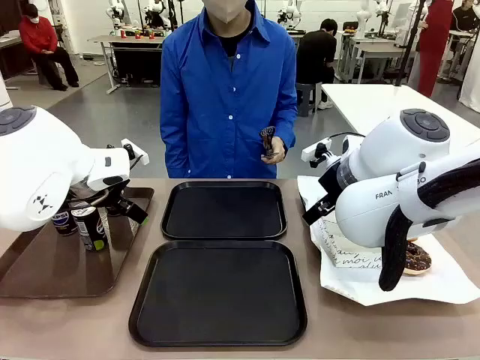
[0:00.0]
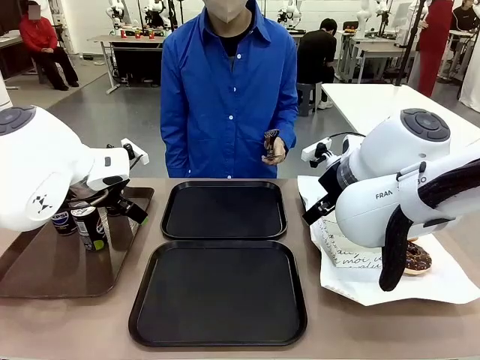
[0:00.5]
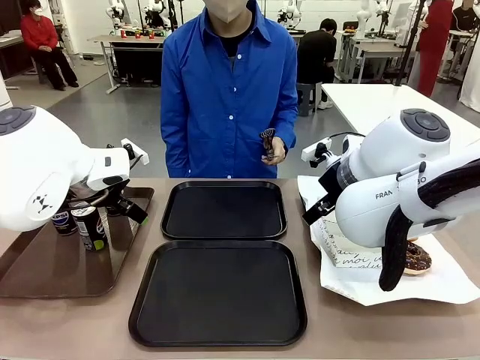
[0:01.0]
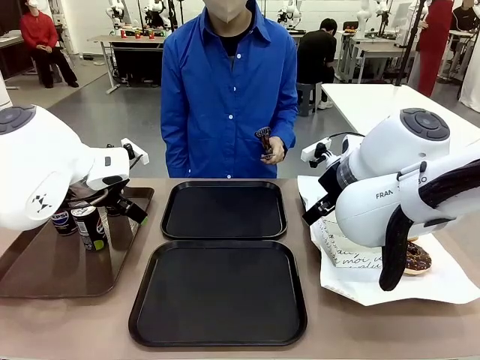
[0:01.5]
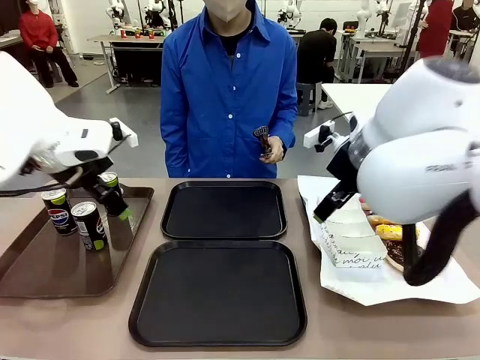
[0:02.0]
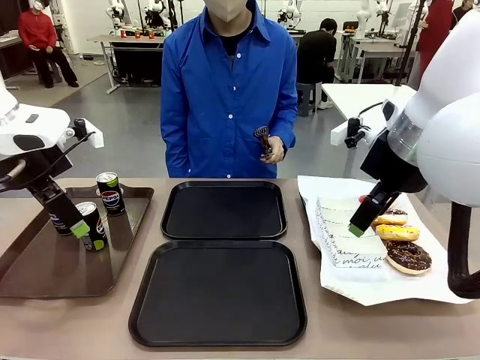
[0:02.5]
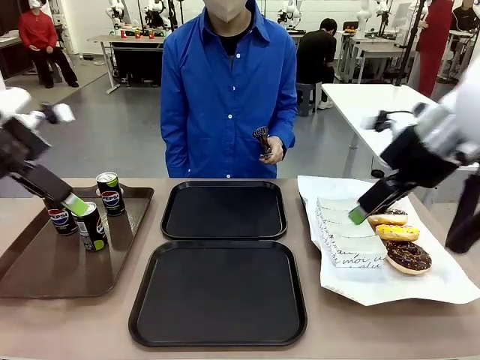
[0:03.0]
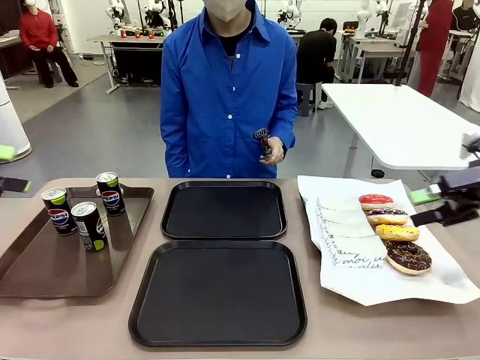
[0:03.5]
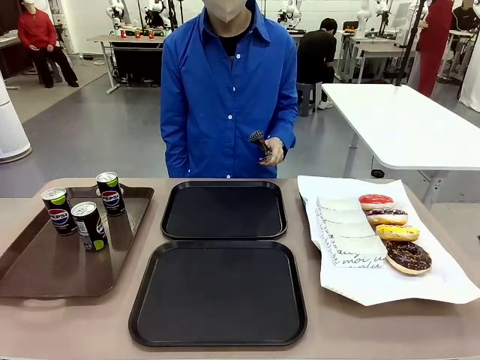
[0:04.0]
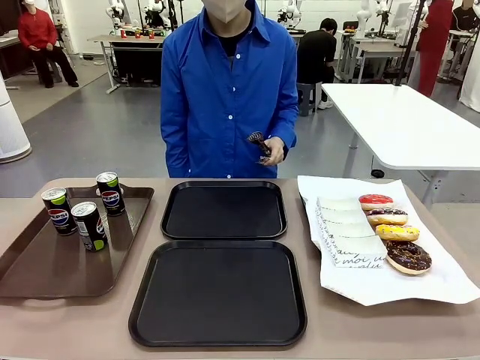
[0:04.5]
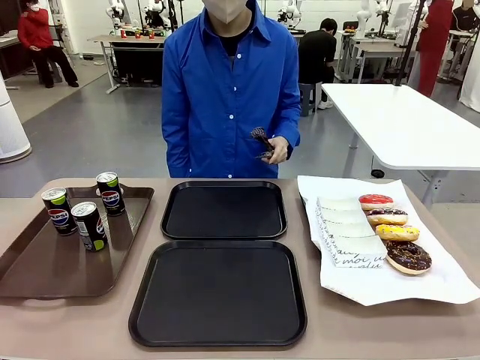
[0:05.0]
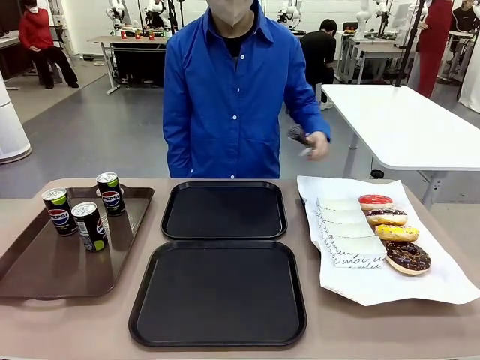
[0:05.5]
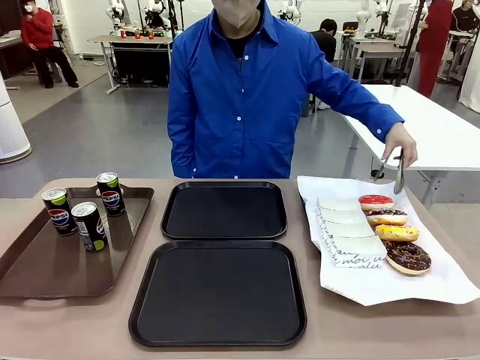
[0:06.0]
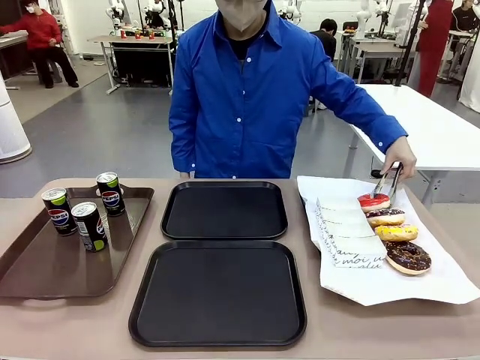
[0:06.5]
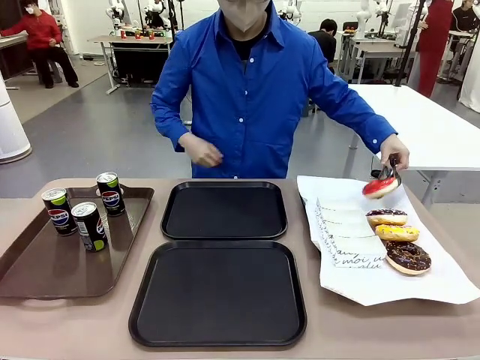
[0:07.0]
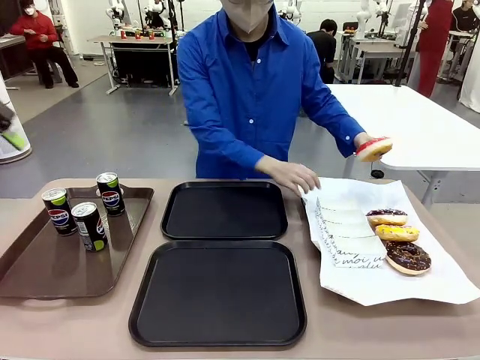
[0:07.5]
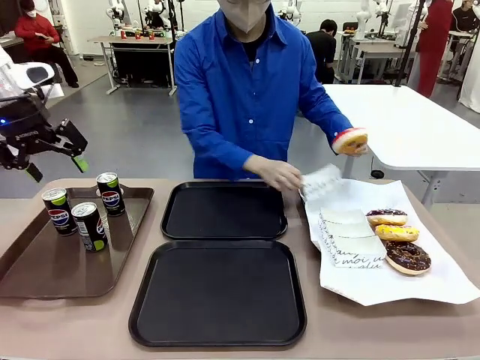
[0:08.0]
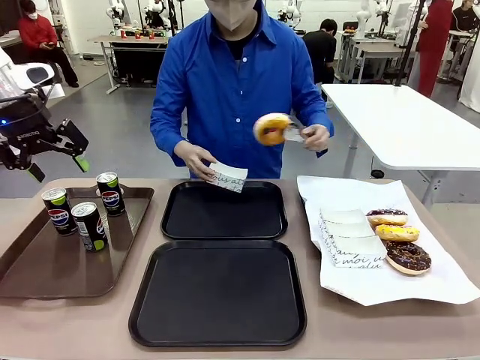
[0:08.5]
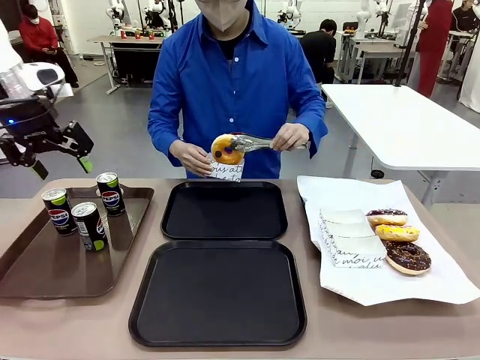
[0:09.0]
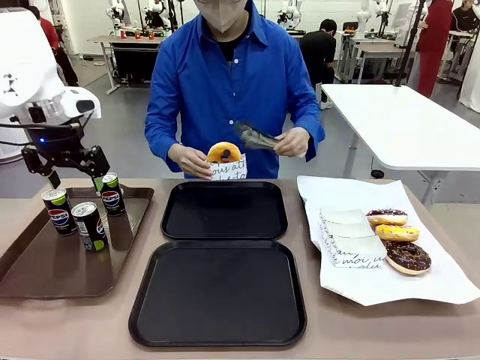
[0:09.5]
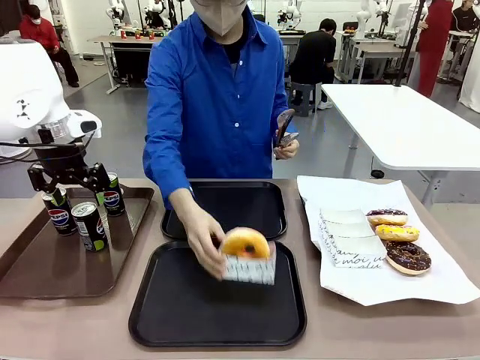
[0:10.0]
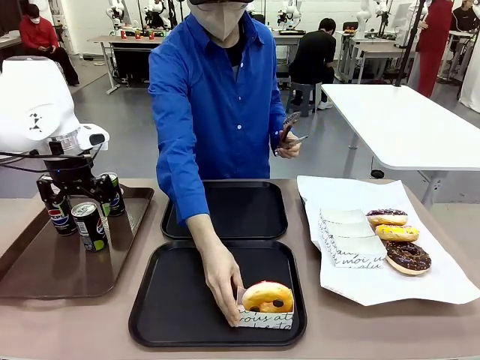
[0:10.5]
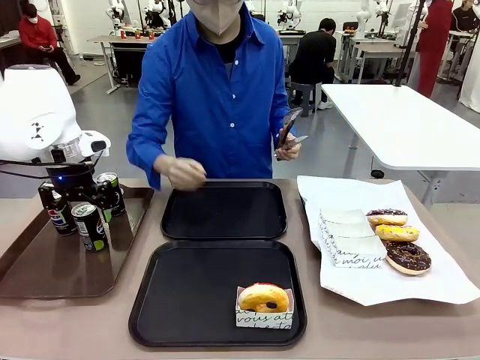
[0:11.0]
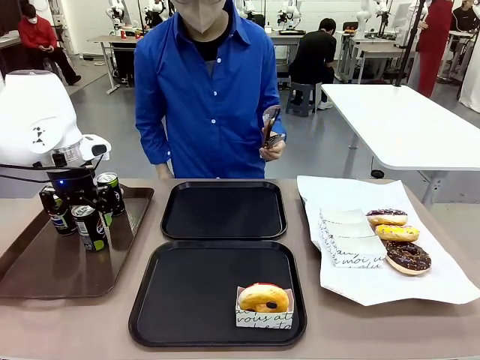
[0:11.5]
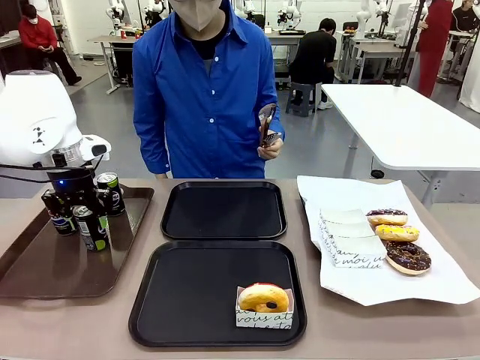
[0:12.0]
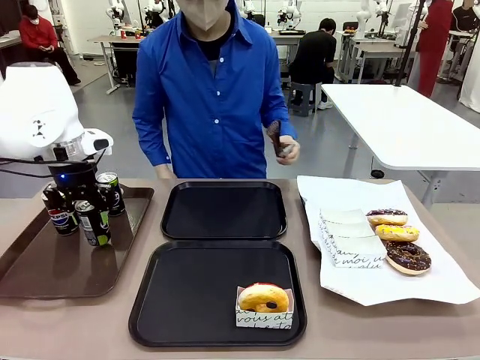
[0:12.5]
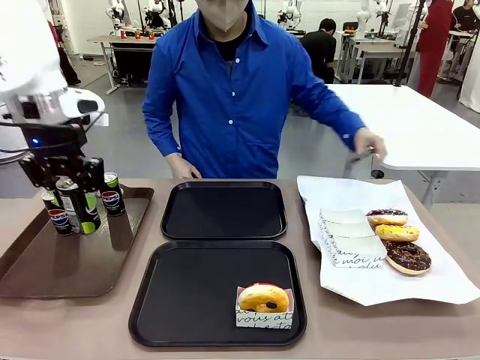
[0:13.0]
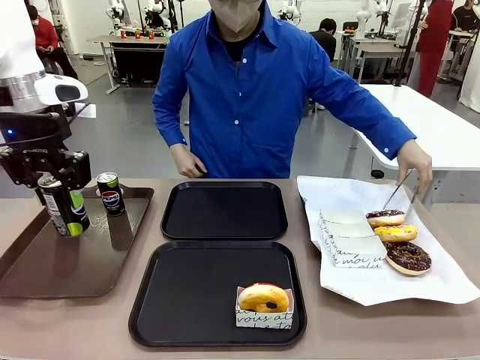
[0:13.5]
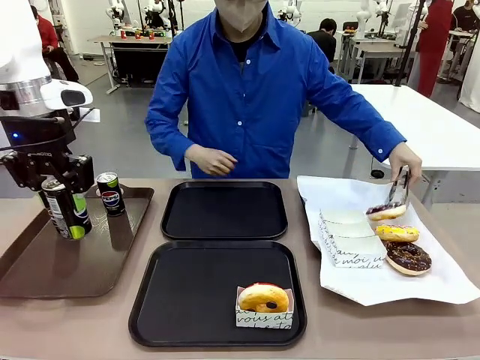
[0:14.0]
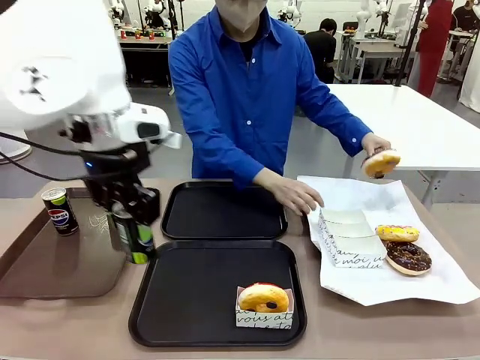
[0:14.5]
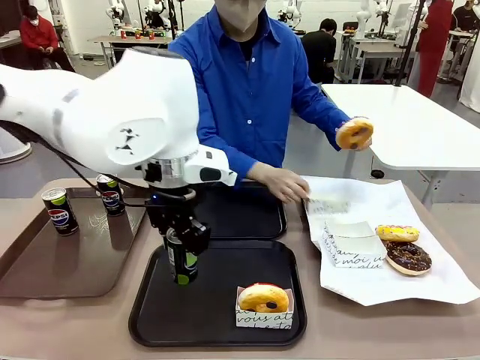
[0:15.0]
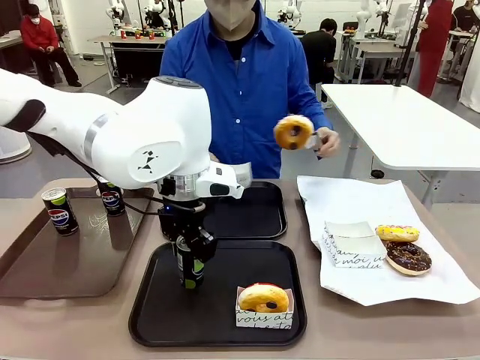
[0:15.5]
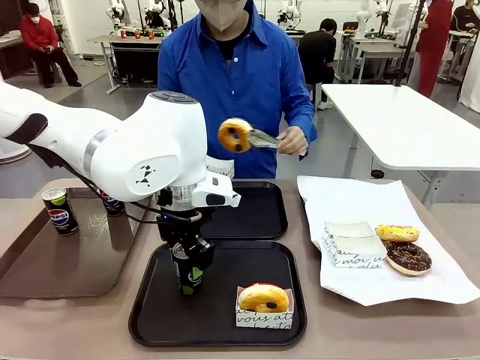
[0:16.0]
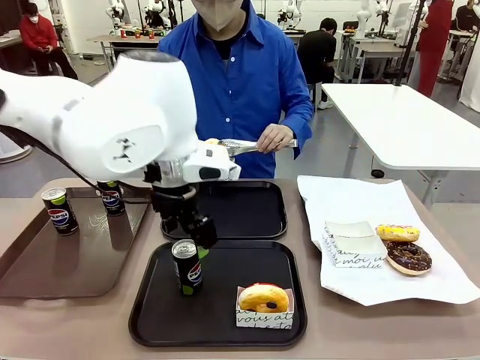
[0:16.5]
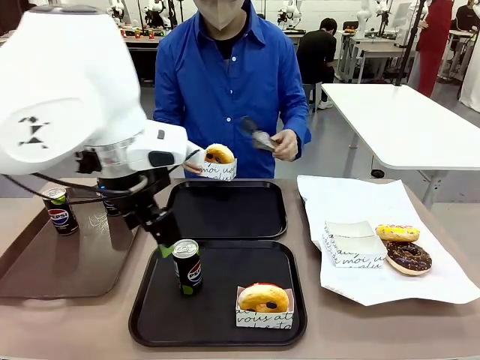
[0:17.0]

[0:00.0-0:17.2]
Task: Set up donuts and drinks on trays.
Robot: Pick up one Pepsi coke and place it on the Flat Tray.

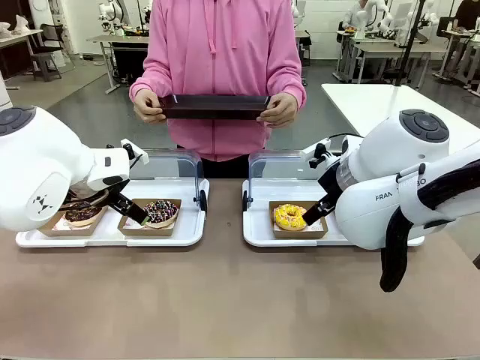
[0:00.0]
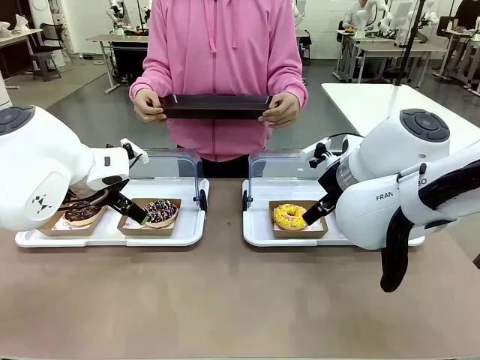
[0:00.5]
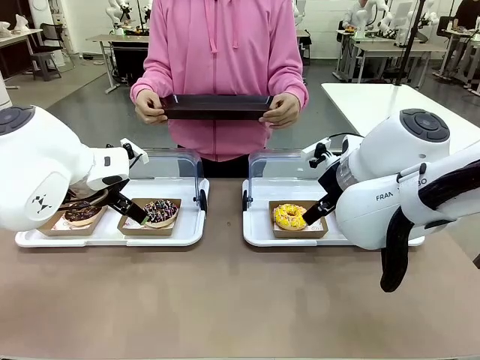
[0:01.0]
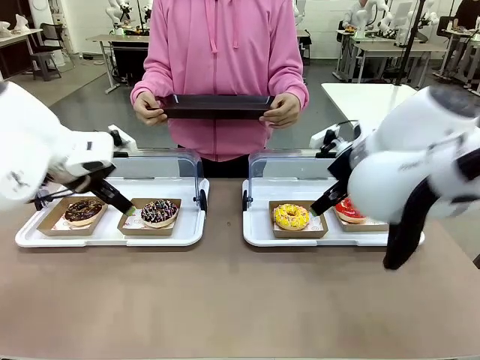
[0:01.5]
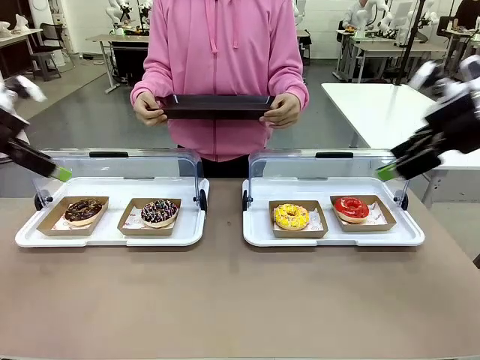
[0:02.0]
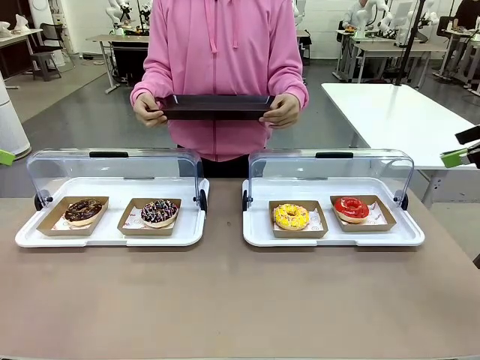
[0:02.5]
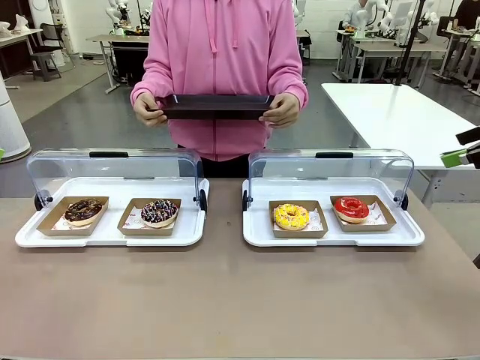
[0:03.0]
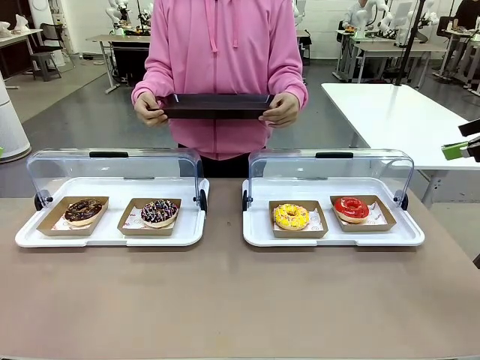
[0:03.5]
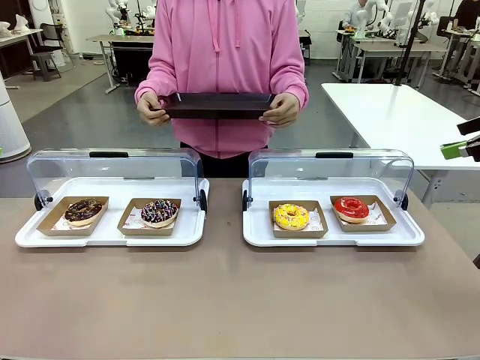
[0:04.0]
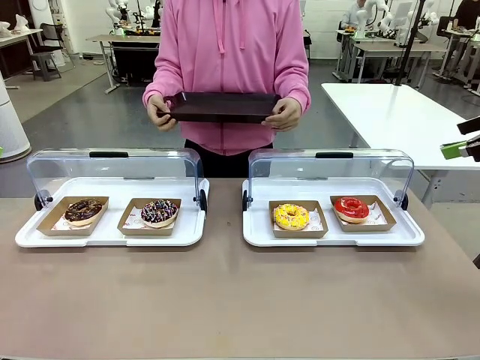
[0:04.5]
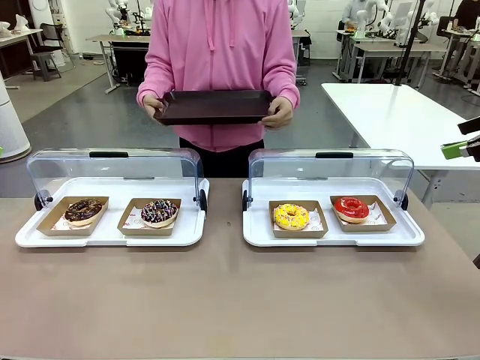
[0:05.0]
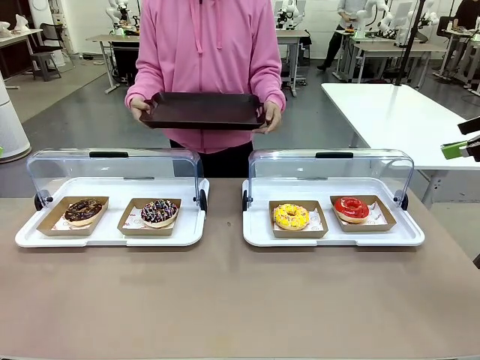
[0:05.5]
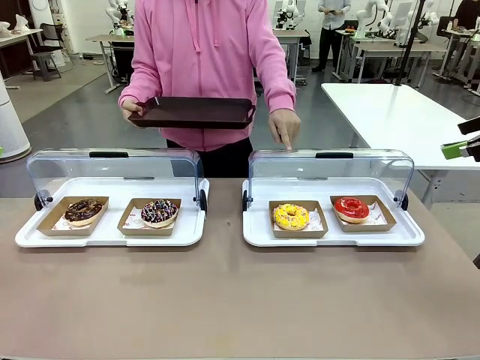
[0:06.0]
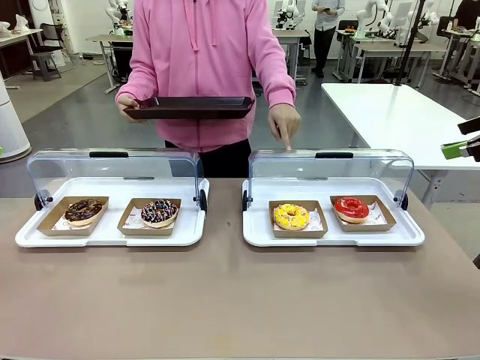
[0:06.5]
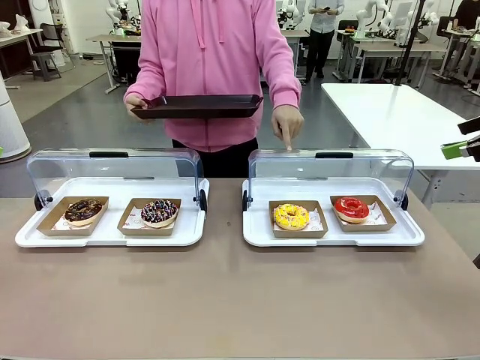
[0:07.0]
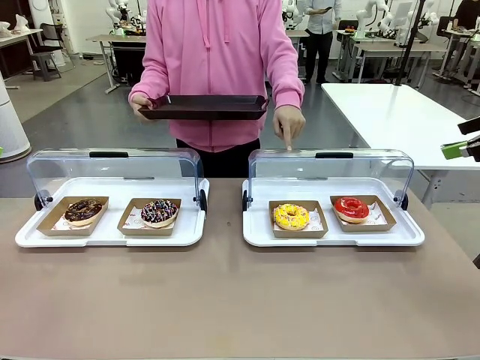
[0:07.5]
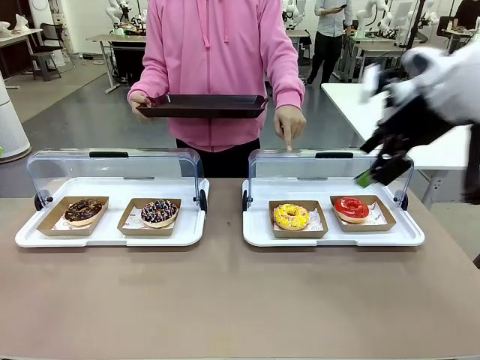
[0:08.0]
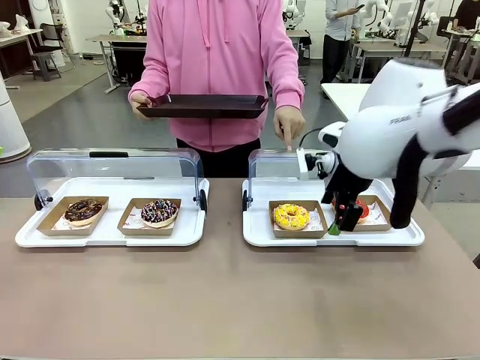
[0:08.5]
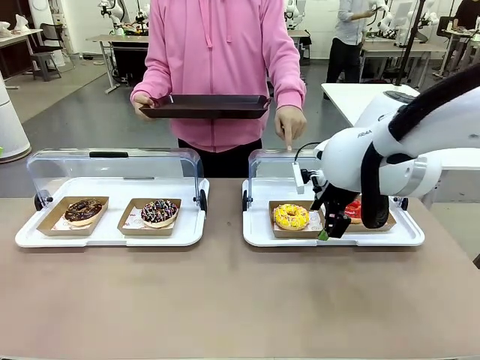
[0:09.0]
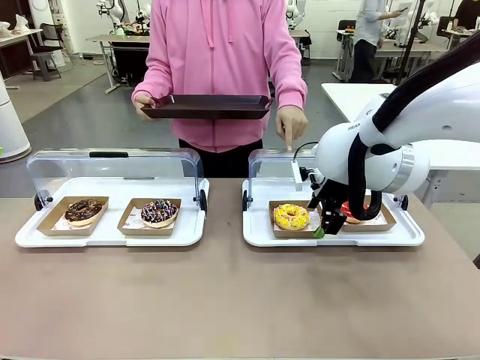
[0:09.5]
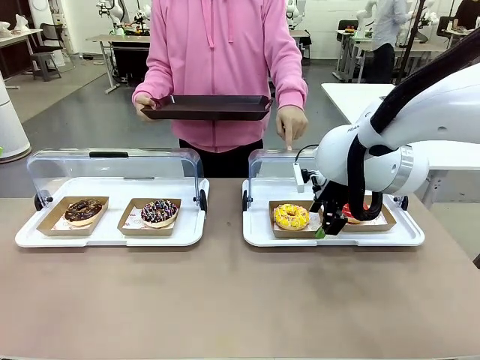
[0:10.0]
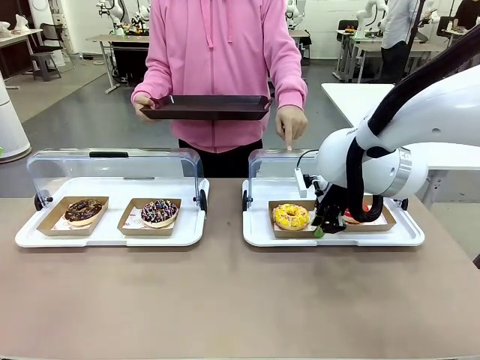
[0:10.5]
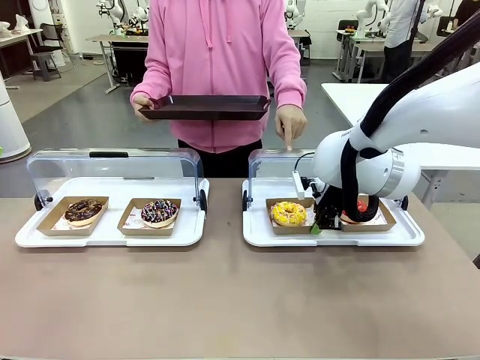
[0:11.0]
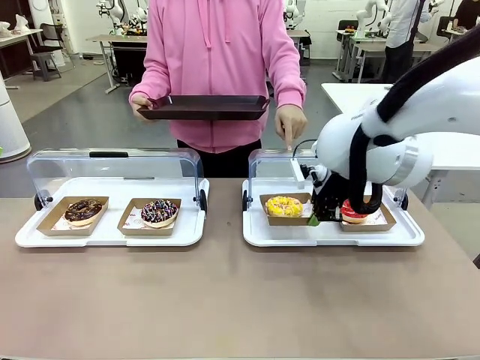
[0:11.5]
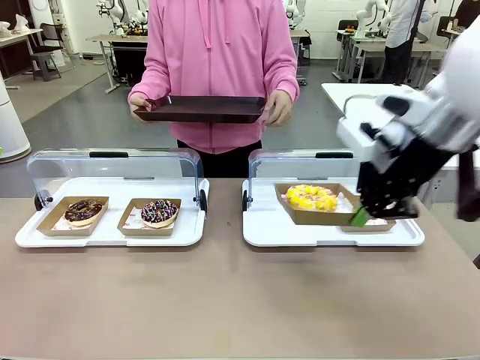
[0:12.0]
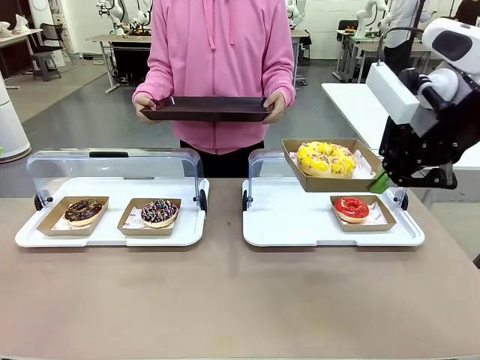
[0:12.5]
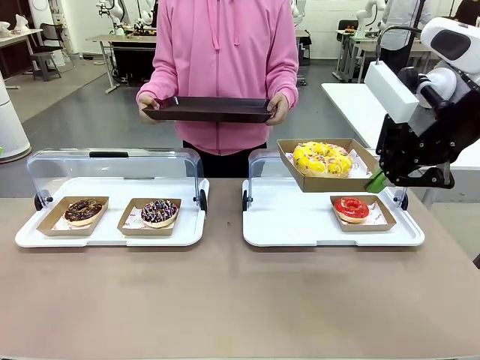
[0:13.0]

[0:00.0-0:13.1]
Task: Provide the desired donut to the person.
Robot: Pick up and lift the Paper togo box containing the Donut pointed at by the person.
Person: Point to one donut. Lift the tray onto the Roll-Top Bakery Case.
